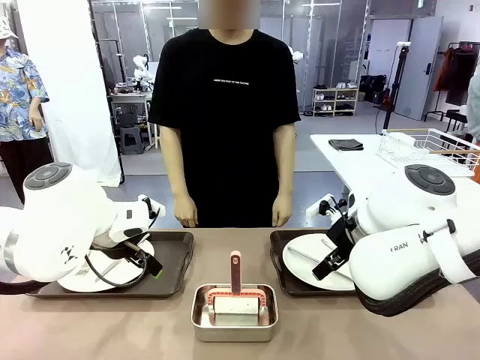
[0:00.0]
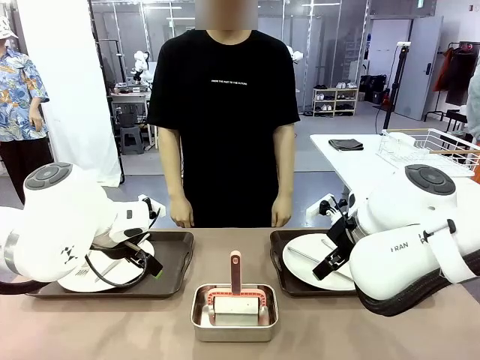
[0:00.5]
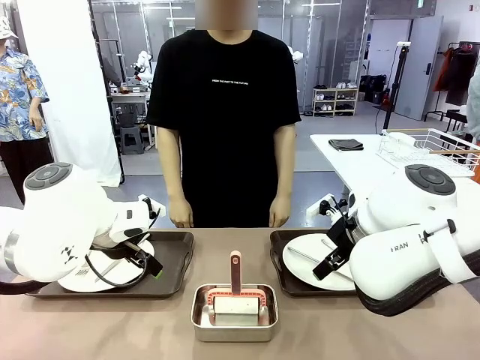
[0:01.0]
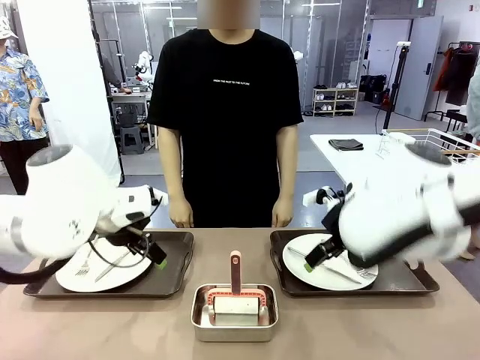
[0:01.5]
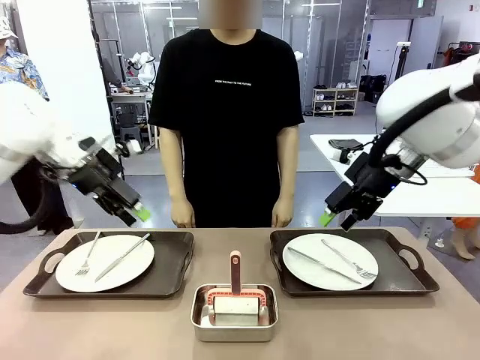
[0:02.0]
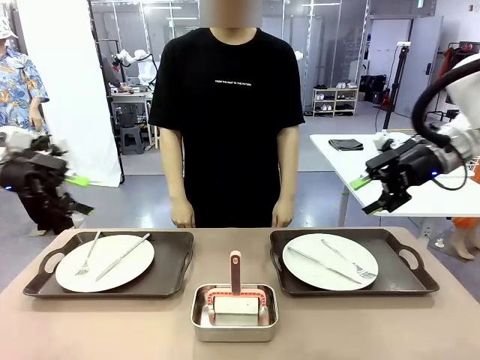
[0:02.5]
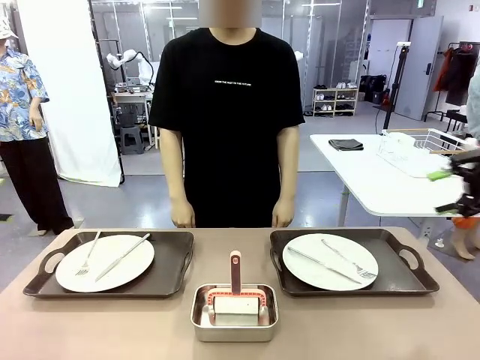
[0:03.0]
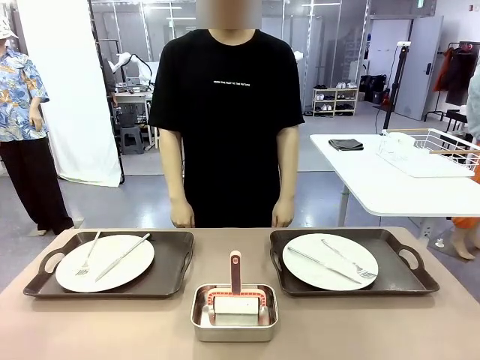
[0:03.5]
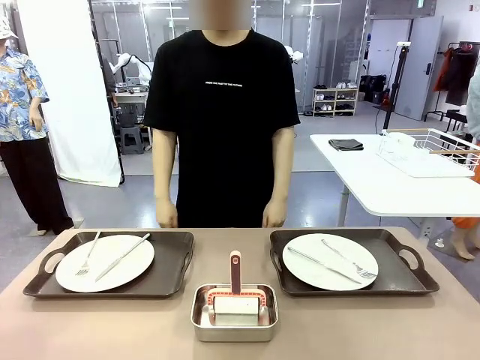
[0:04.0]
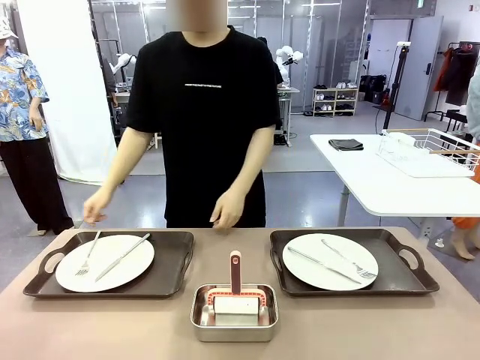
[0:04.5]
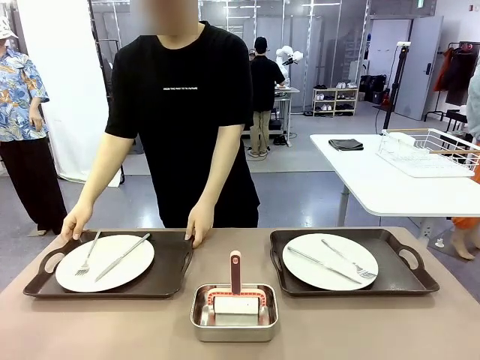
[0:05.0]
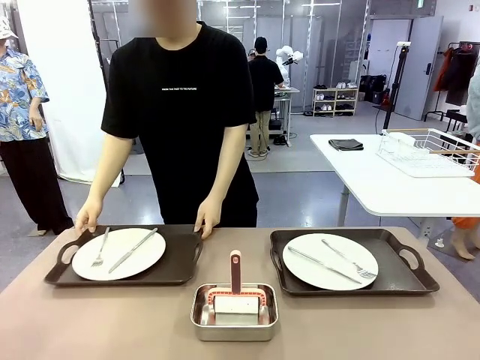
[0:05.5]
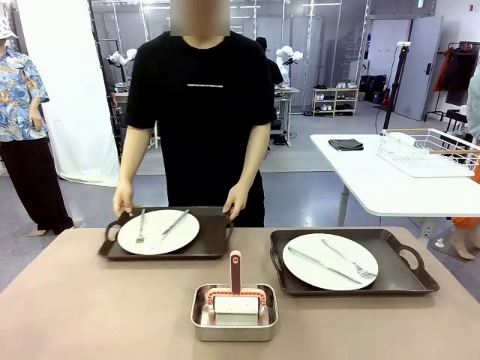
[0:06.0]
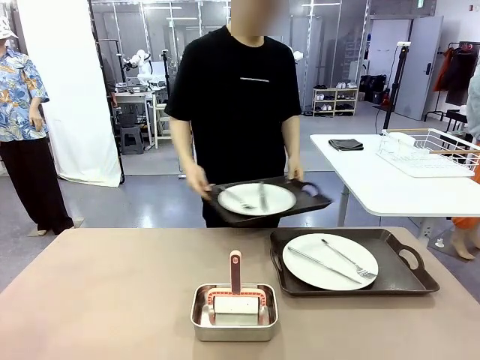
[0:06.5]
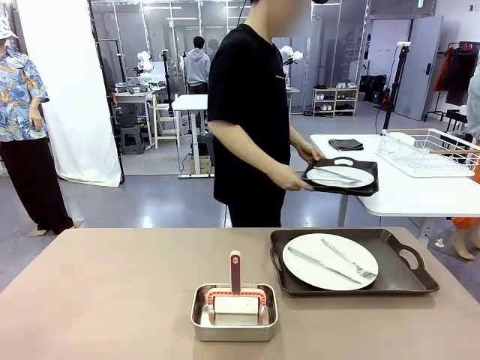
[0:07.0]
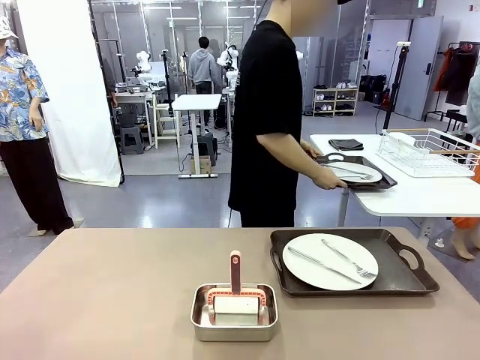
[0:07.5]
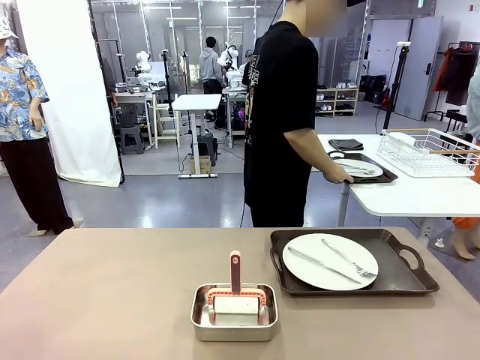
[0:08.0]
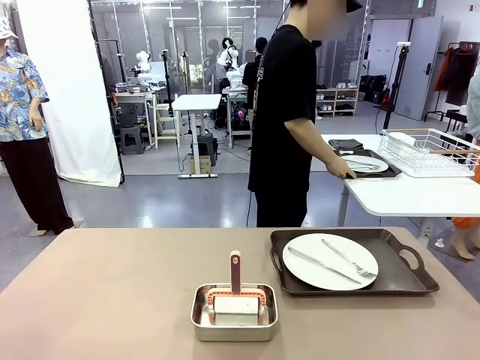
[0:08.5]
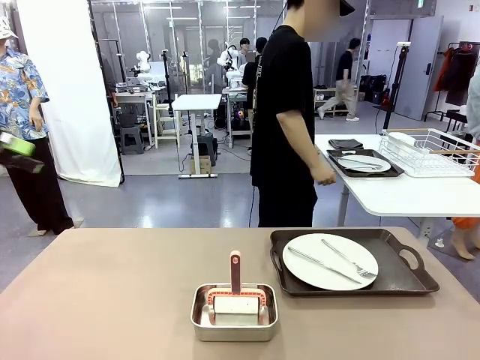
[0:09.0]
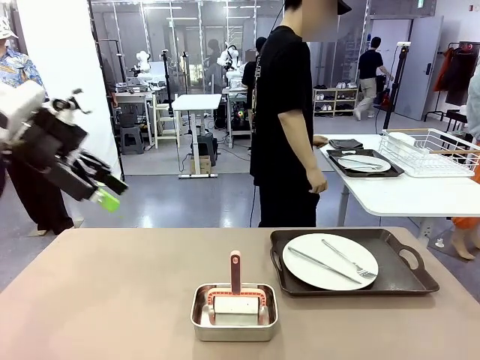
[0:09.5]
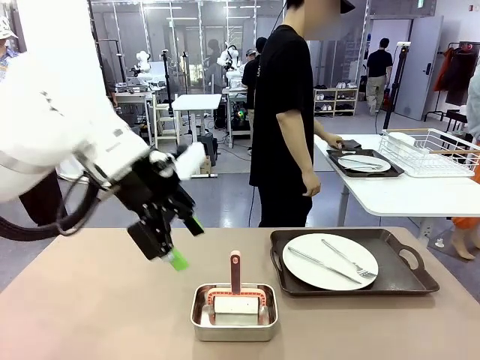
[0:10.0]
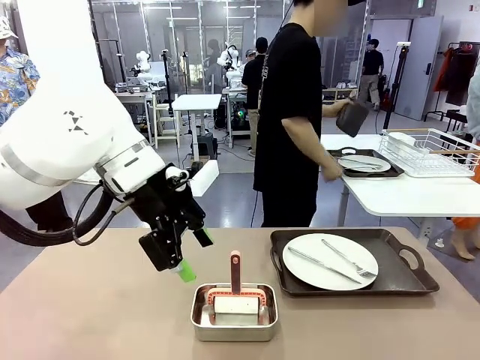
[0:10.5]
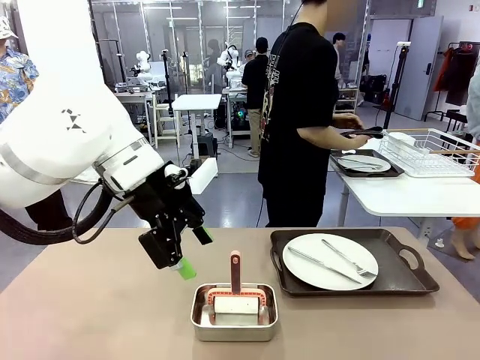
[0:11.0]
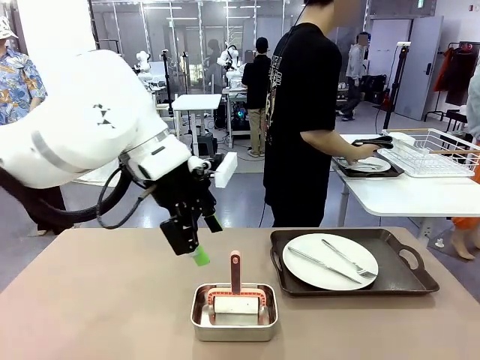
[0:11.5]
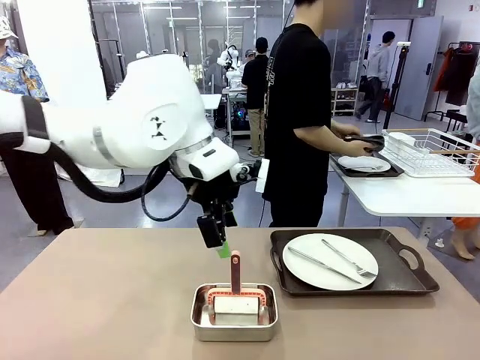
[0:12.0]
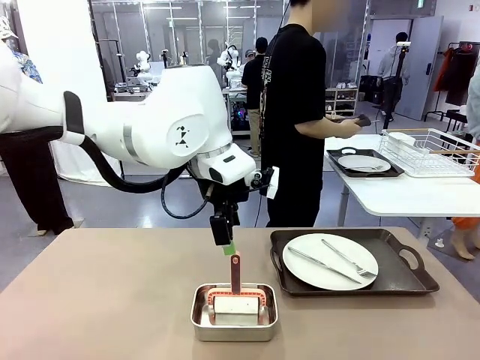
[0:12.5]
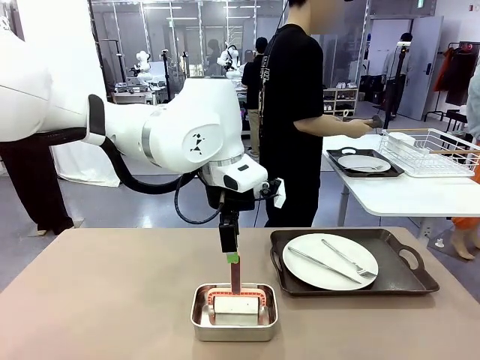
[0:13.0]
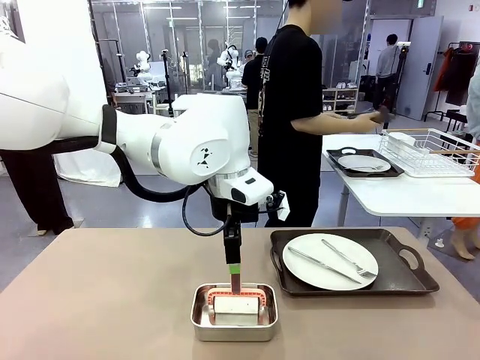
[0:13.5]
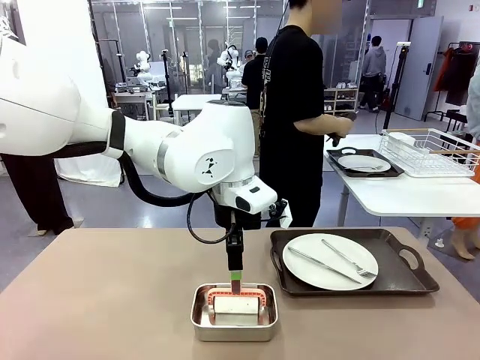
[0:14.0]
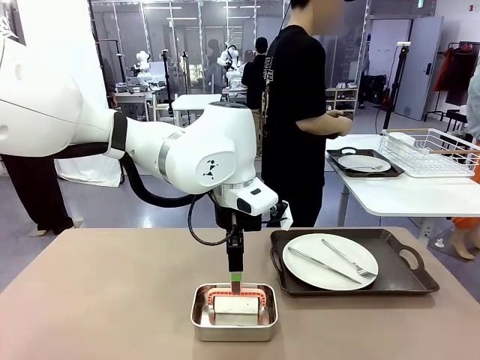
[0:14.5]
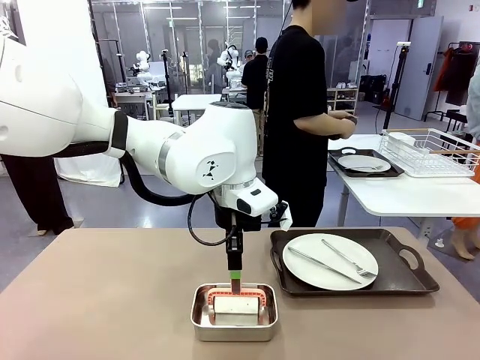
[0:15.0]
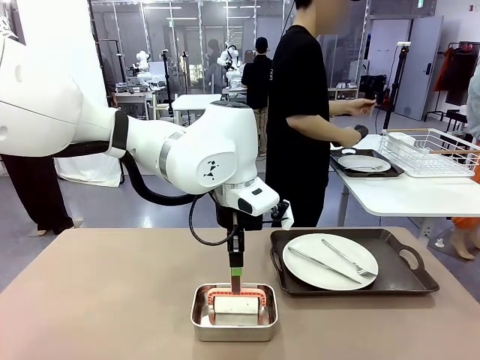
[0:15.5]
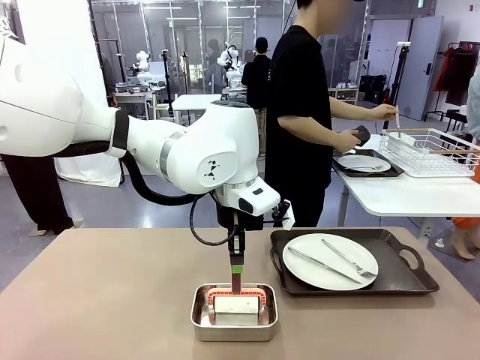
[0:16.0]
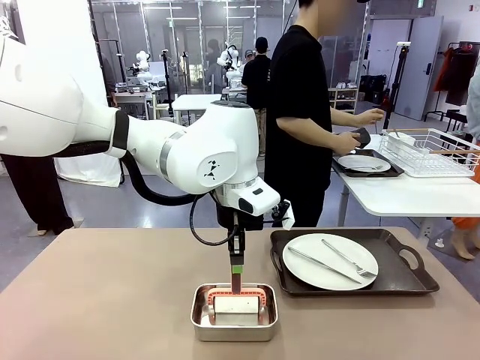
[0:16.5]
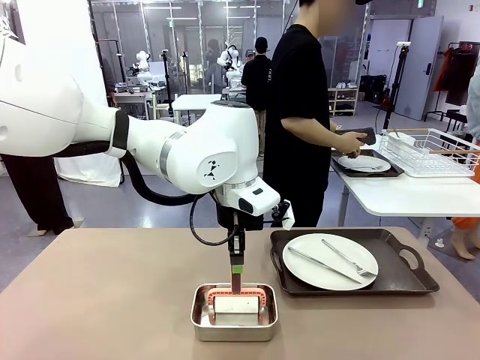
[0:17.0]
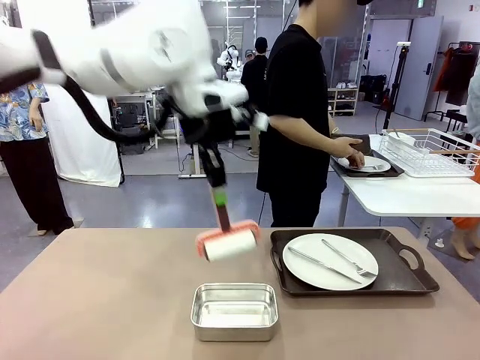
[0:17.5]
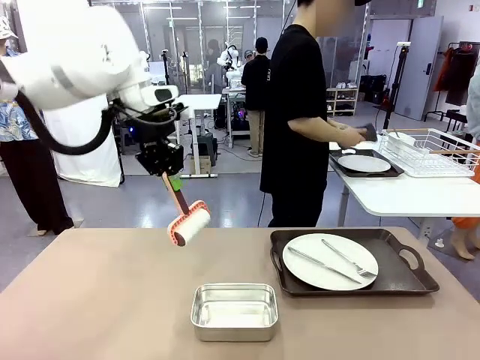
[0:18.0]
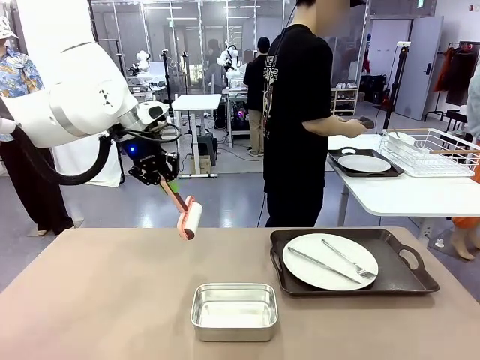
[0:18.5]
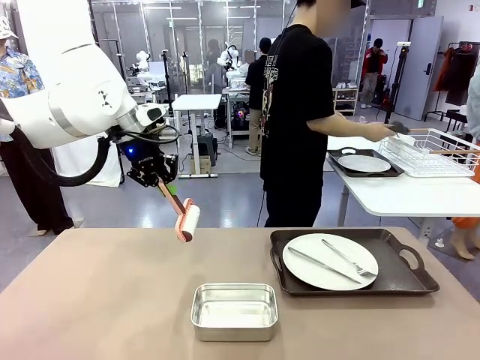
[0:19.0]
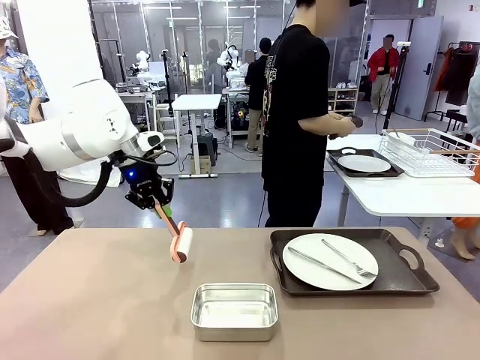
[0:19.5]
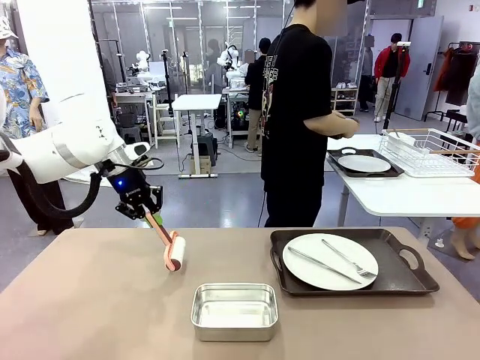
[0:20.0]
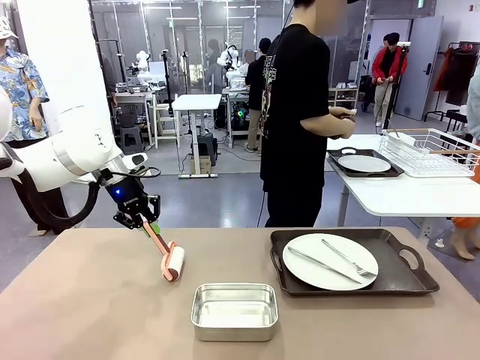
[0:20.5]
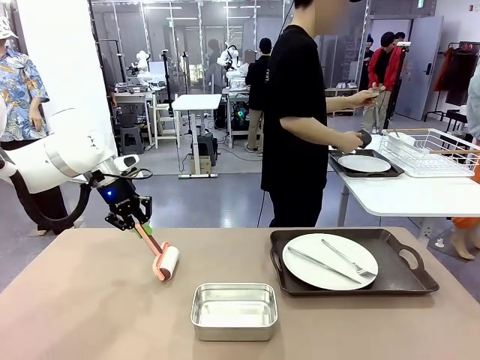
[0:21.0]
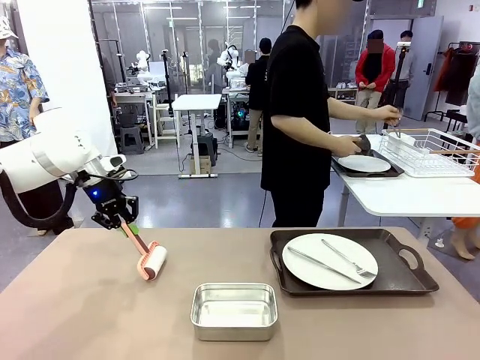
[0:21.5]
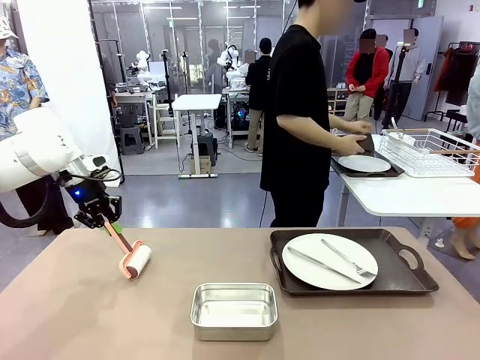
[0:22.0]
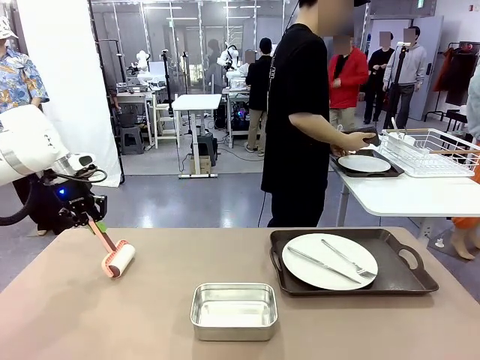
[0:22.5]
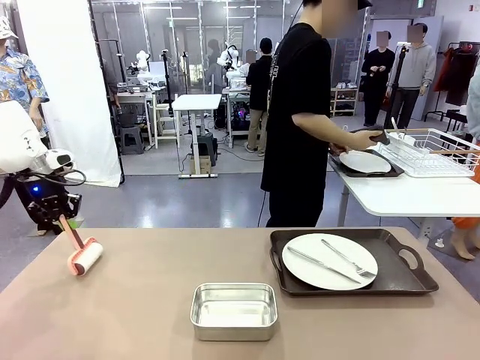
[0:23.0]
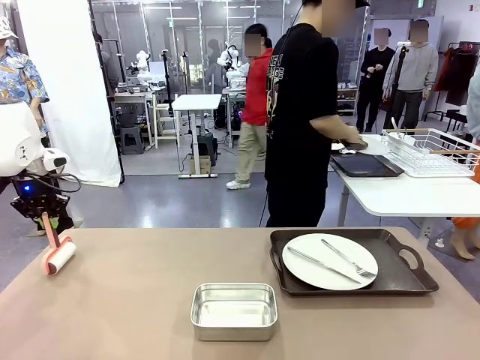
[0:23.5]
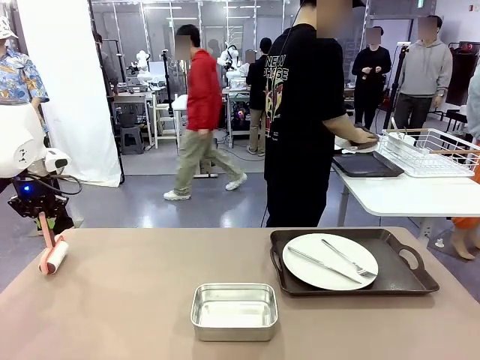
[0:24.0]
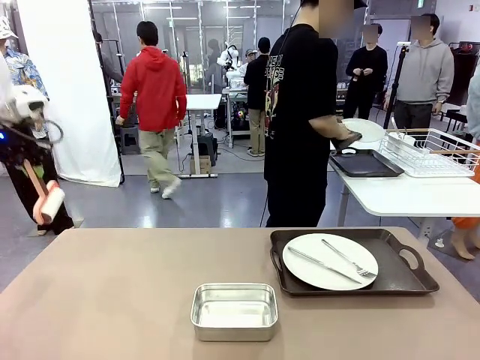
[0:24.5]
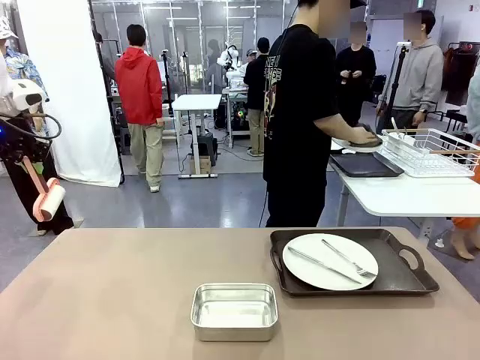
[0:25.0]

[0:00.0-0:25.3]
Robot: When the left (or right) Handle tray is removed, use the left hand (or right hand) to clean the left (or right) side of the table with the Lint Roller.
Person: Pick up the left (or right) Handle tray and place it on the middle of the Human's table. Use the Towel with hook to wipe the Plastic Matte Plate , Fork , and Knife and place into the Dish drying rack.
